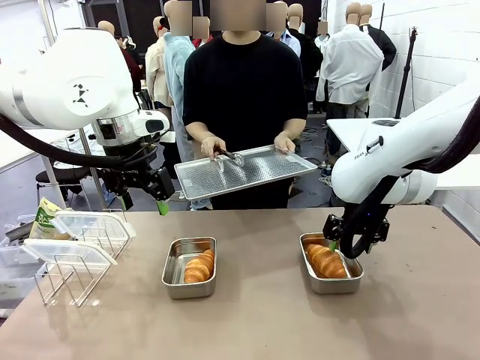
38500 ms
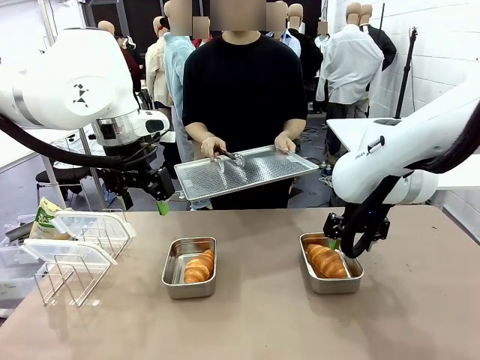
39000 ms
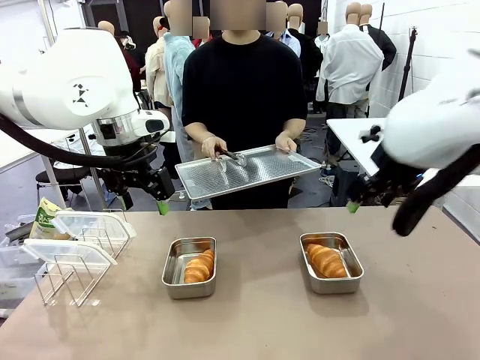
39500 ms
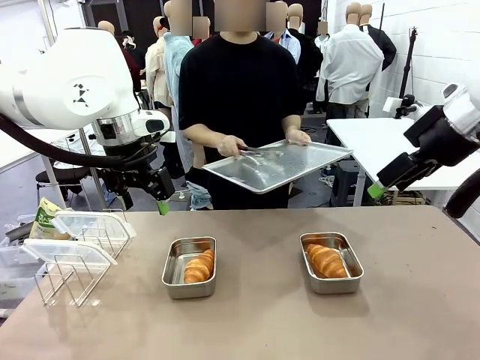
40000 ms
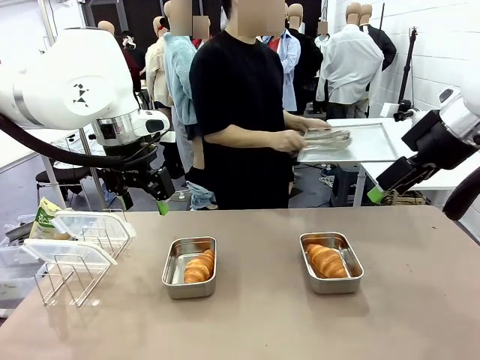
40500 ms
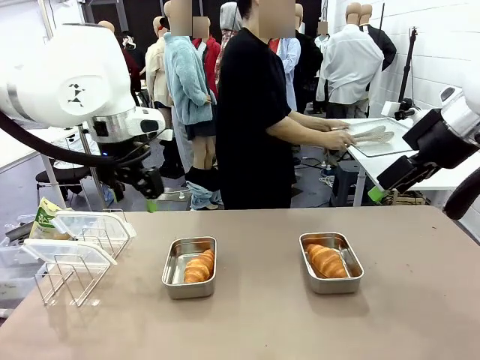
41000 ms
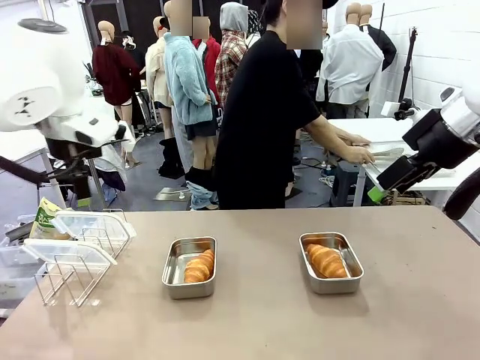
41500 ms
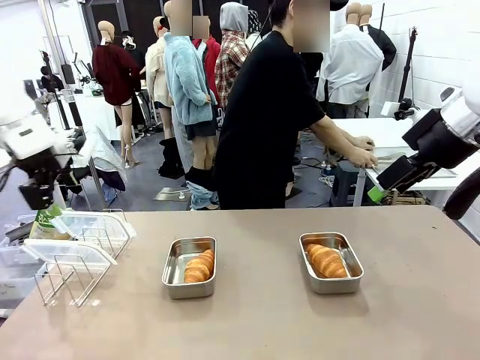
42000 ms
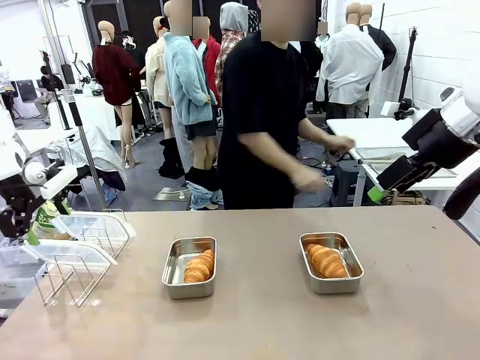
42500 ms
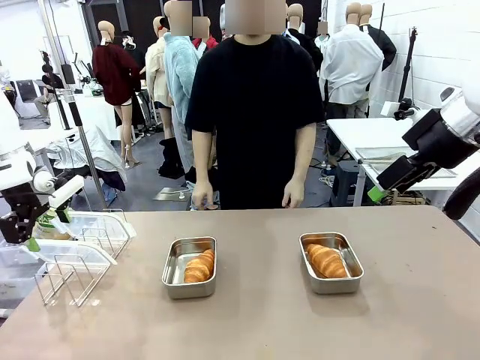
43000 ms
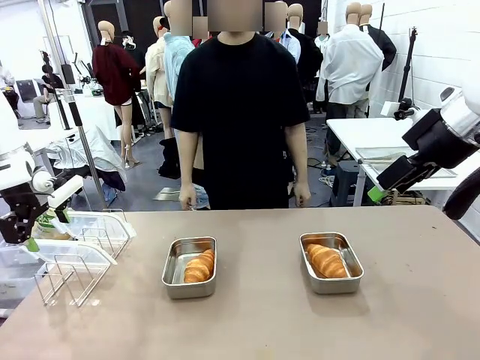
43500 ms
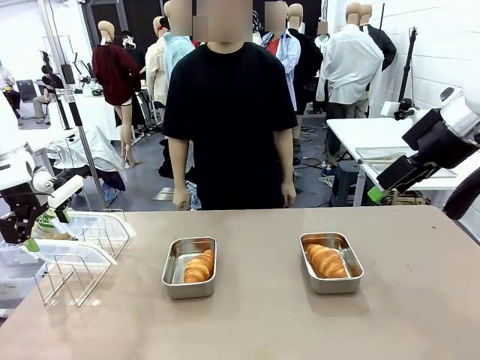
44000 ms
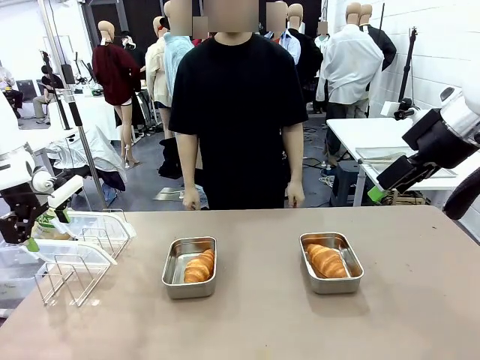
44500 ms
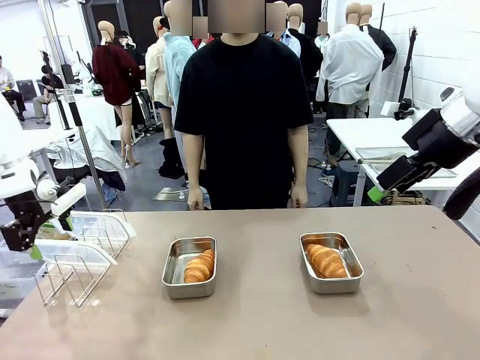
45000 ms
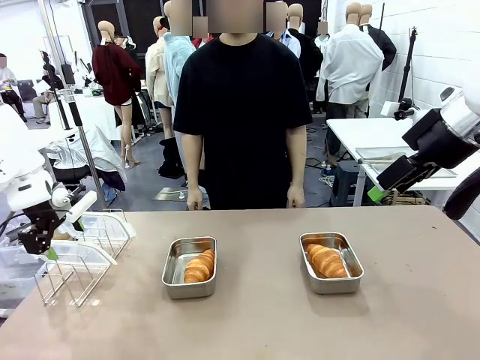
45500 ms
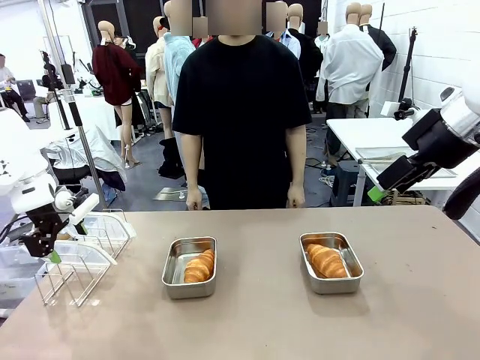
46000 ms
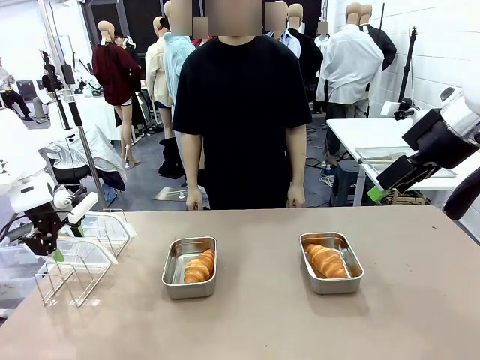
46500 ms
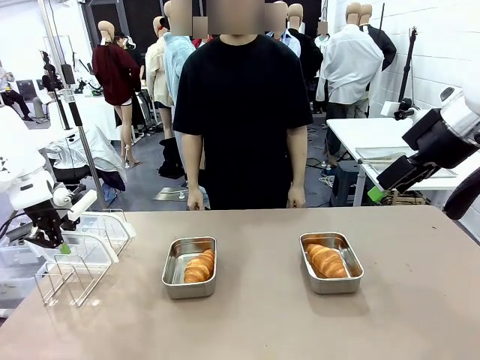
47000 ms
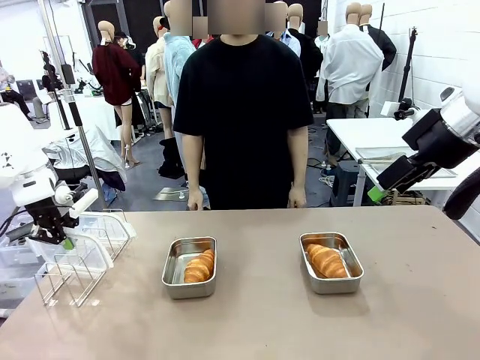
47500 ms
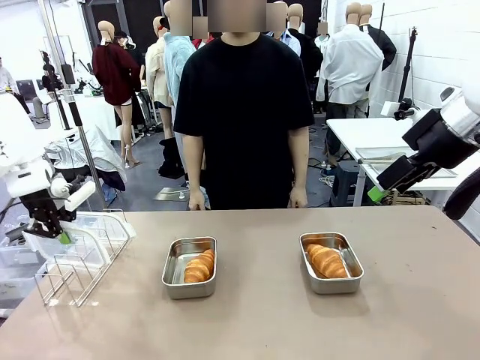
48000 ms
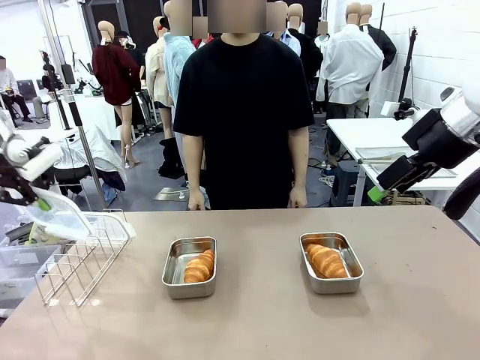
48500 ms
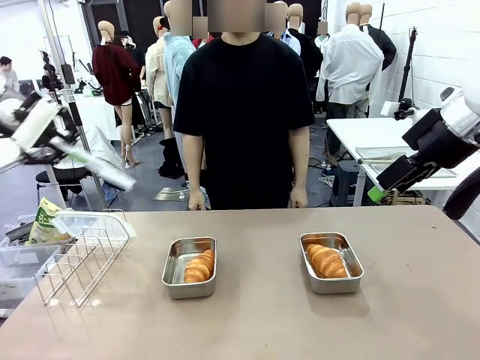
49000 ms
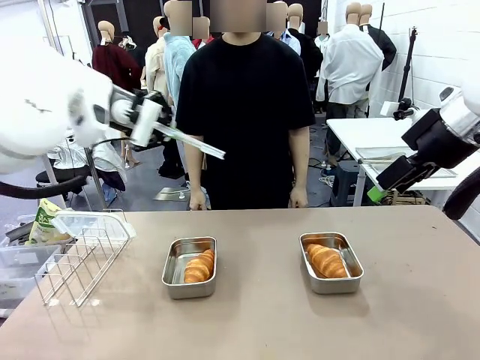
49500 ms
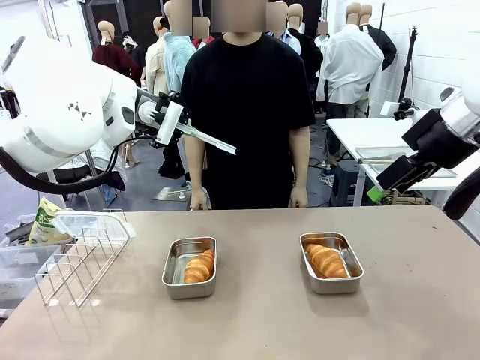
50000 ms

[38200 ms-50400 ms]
Task: Place the bread in airtight containers.
Robot: Pick up one Airtight Container lid and hand it to the human.
Person: Place Baking Sheet on the Human's Table. Grip Airtight Container lid that robot is handing.

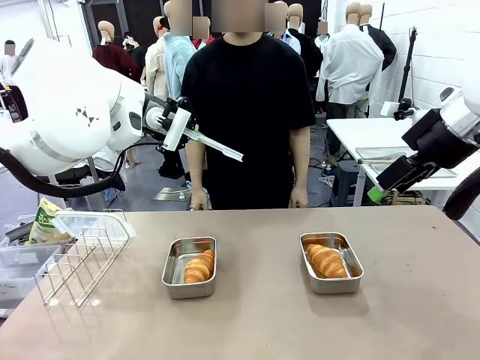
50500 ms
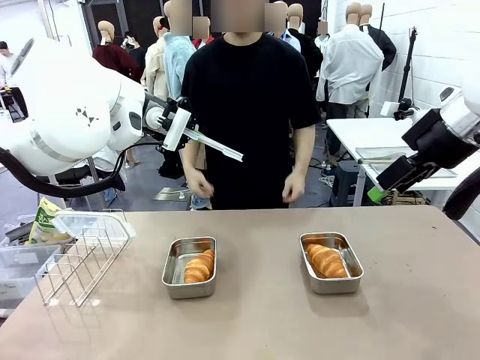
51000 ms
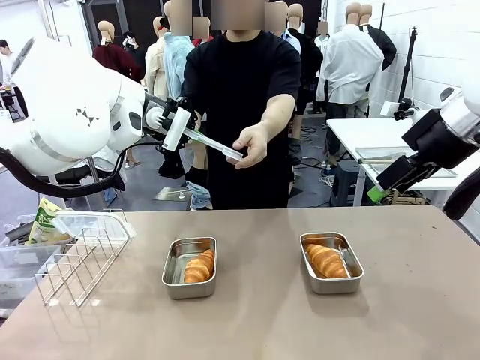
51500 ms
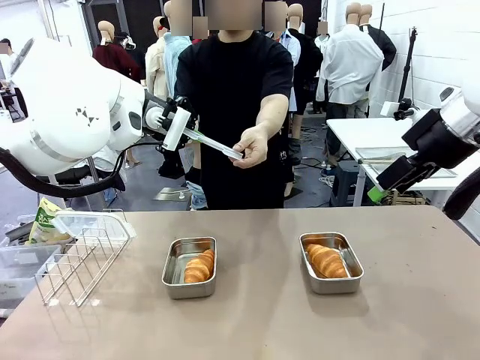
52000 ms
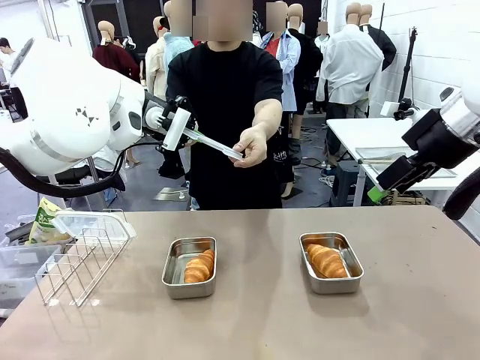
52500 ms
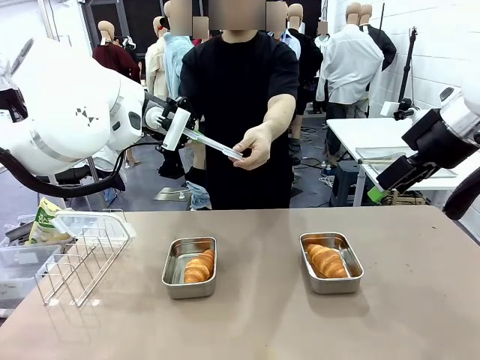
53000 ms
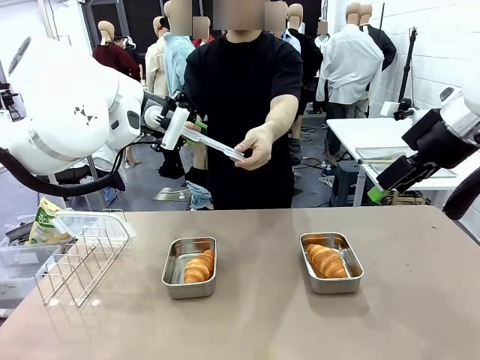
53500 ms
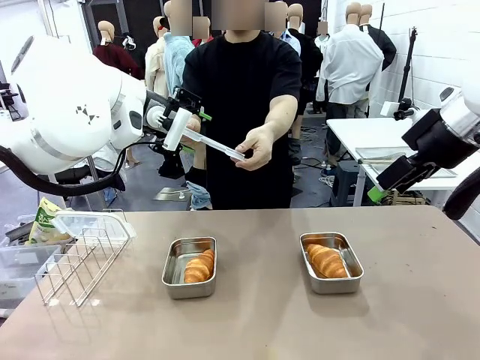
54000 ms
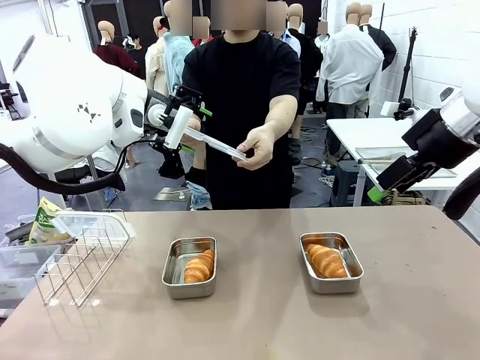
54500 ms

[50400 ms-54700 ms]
Robot: Release when the human grabs the Airtight Container lid.

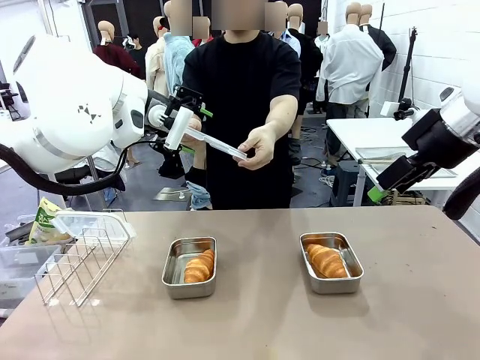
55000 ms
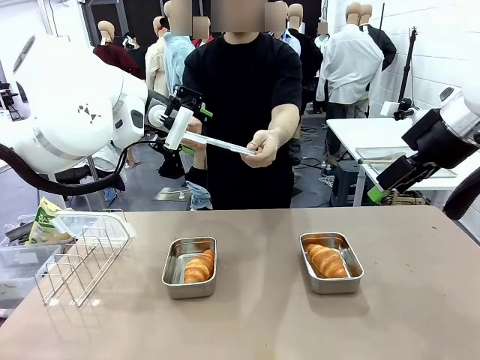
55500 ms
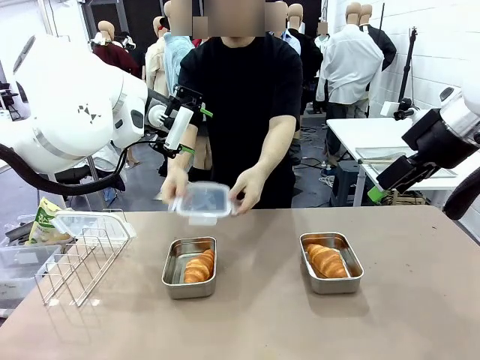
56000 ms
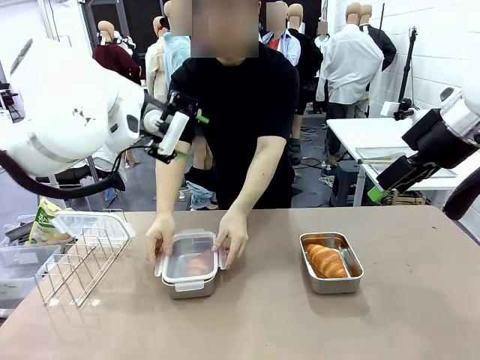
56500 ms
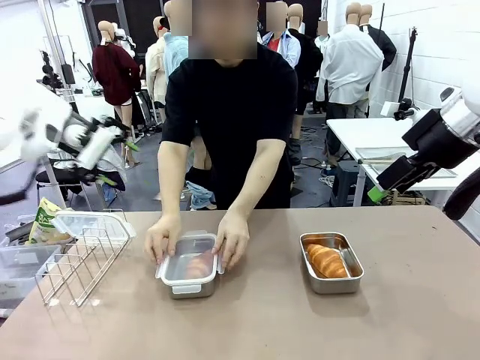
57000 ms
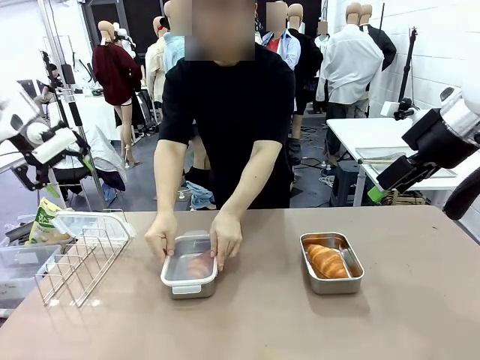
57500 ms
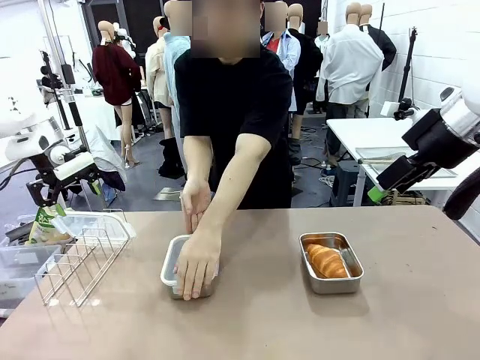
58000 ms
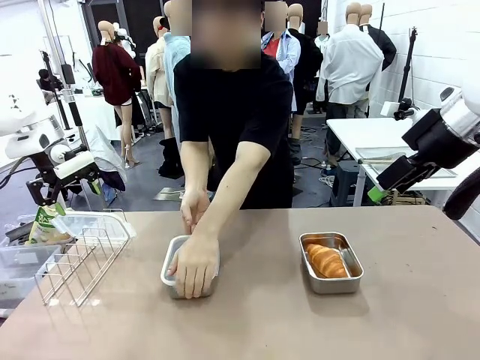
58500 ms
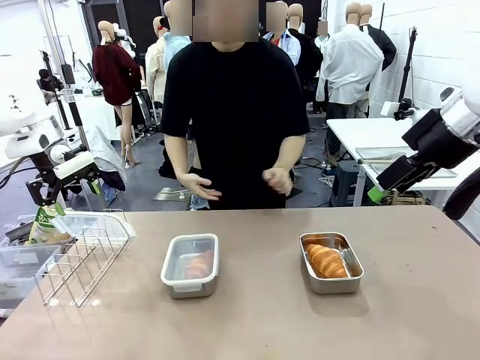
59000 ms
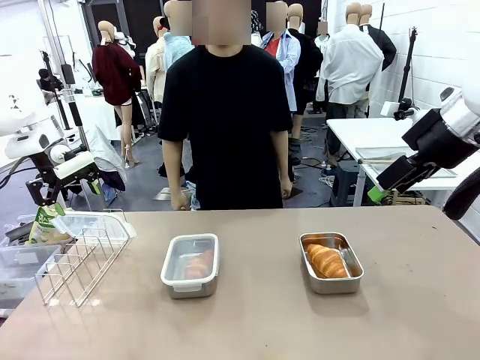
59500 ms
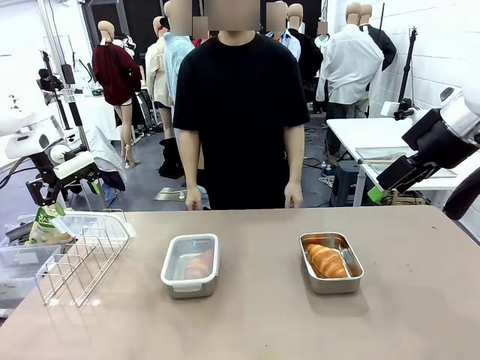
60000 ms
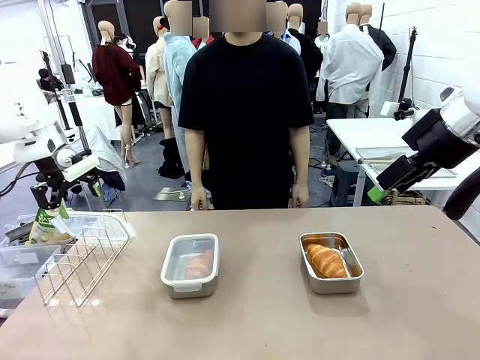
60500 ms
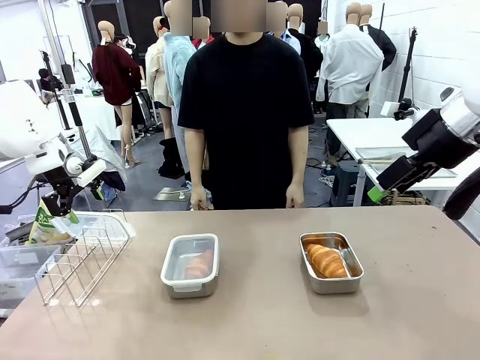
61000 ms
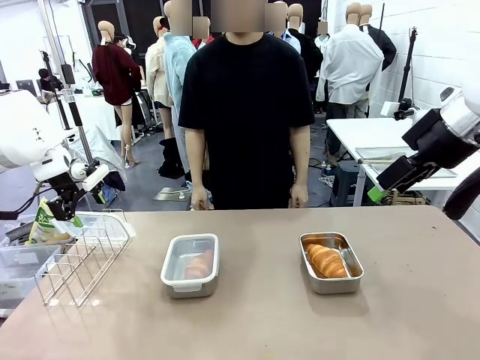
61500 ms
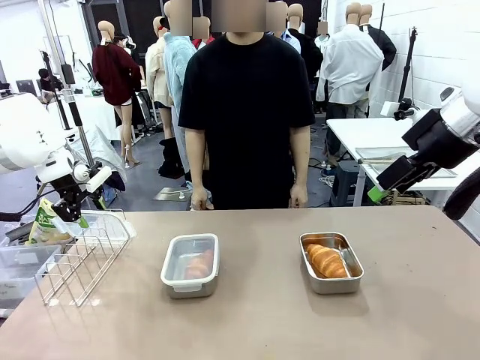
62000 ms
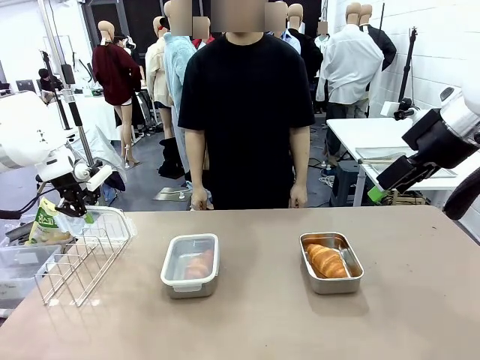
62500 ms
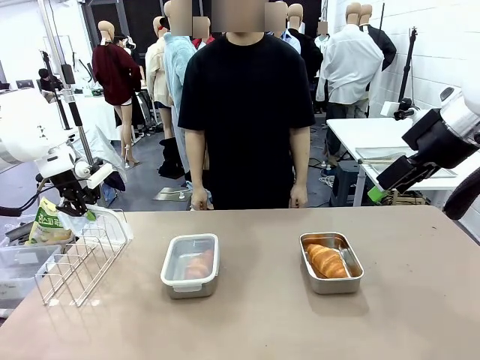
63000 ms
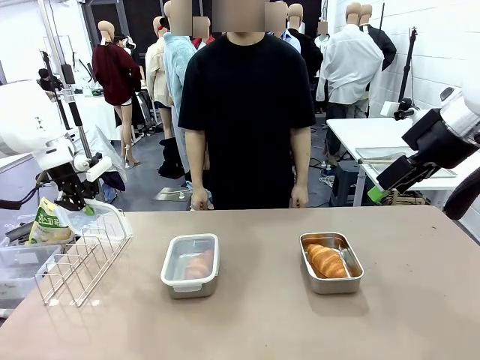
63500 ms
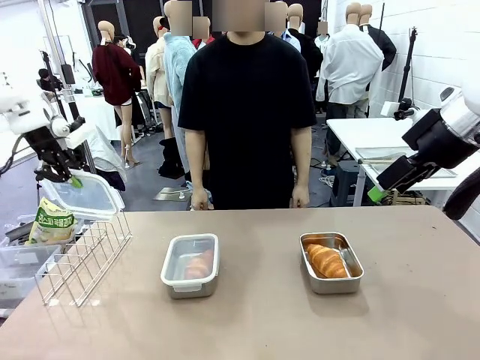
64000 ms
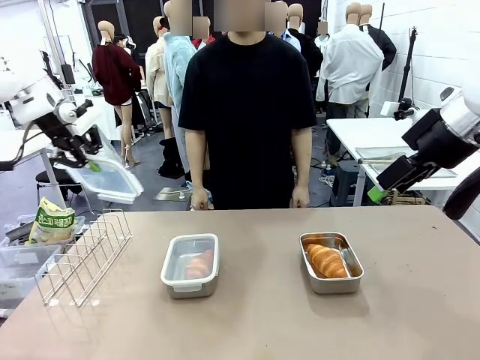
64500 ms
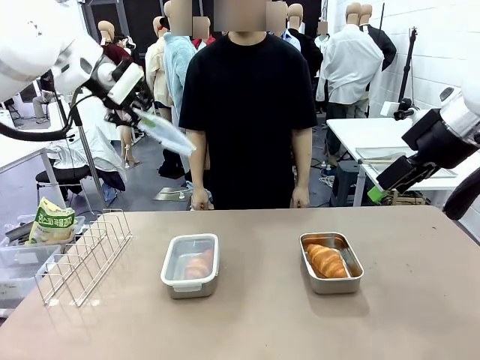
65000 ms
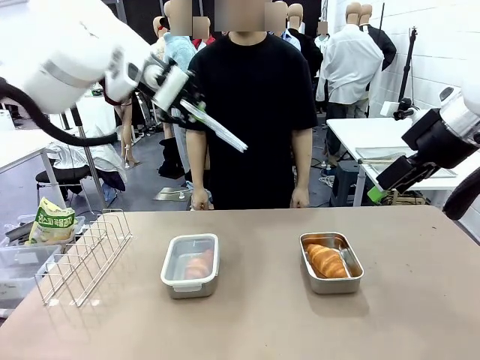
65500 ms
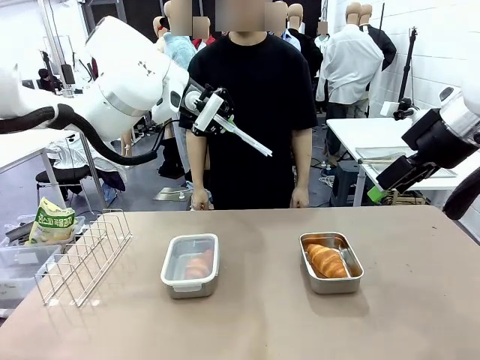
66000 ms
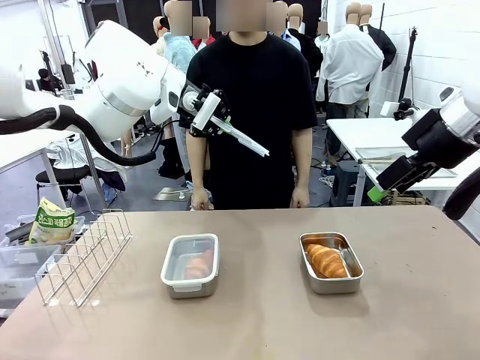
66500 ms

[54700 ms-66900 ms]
Robot: Pick up one Airtight Container lid and hand it to the human.
Person: Close Airtight Container with a handed Airtight Container lid. Grip Airtight Container lid that robot is handing.
